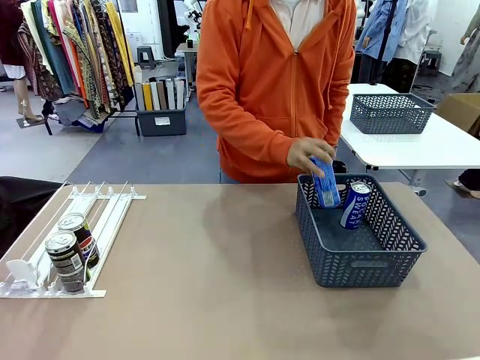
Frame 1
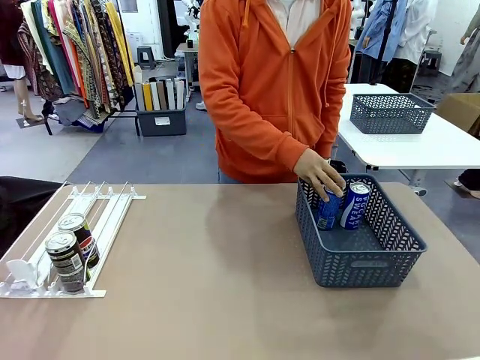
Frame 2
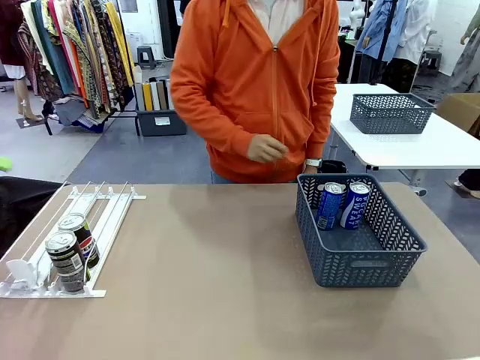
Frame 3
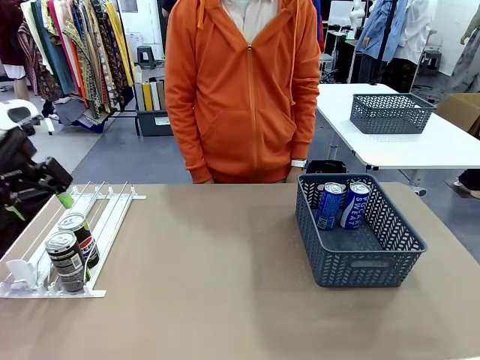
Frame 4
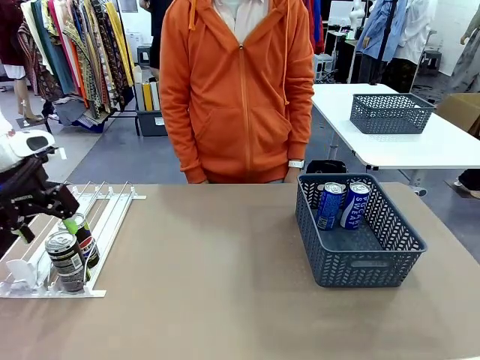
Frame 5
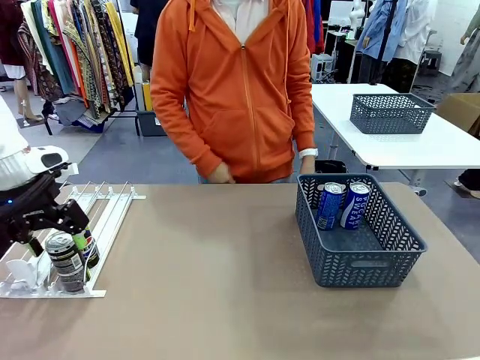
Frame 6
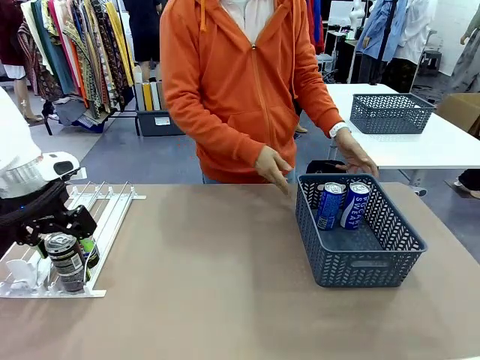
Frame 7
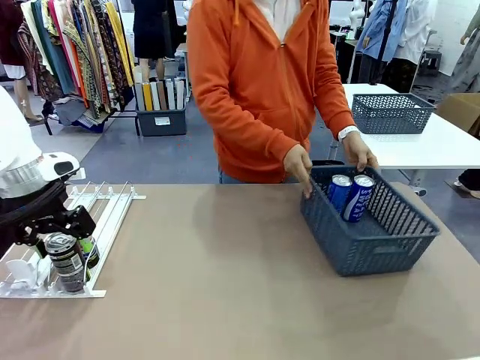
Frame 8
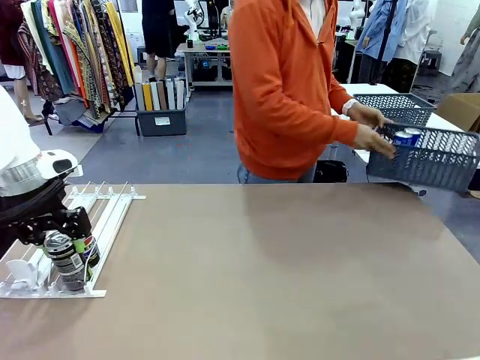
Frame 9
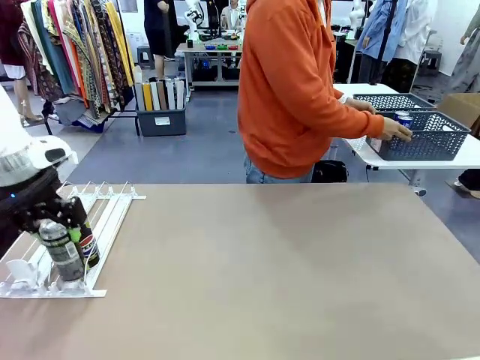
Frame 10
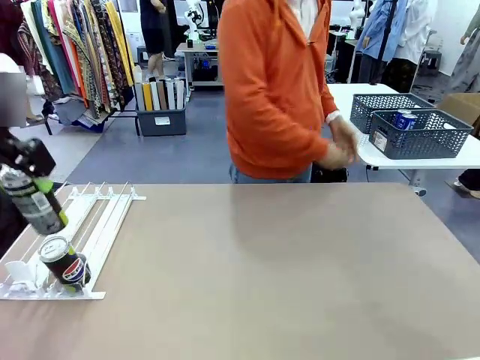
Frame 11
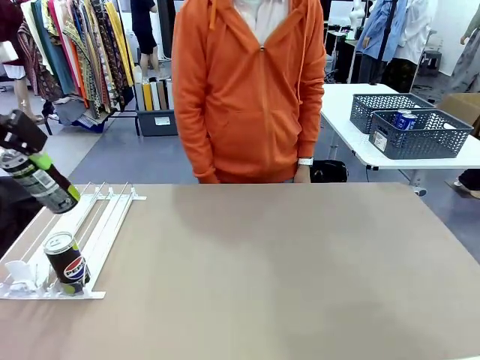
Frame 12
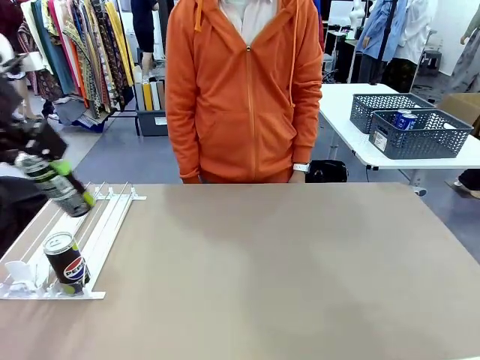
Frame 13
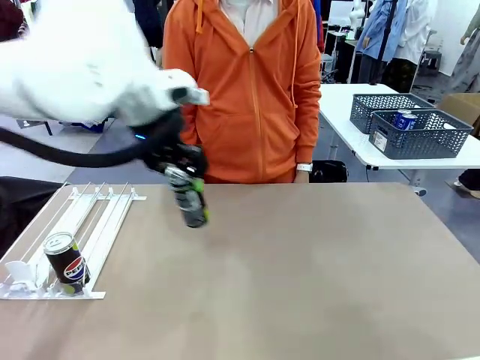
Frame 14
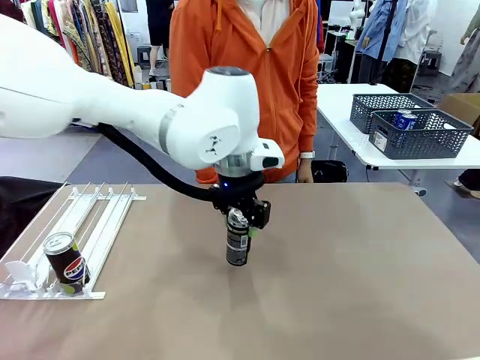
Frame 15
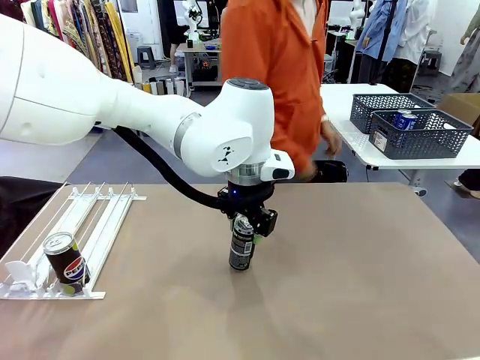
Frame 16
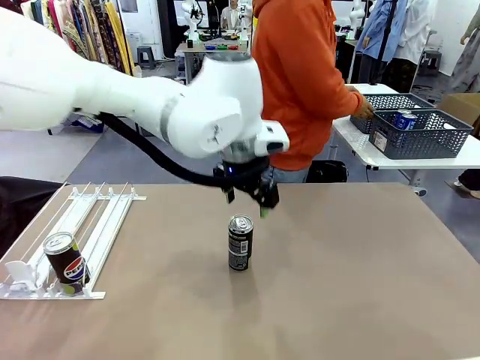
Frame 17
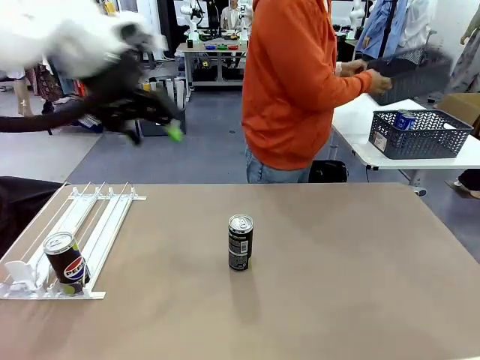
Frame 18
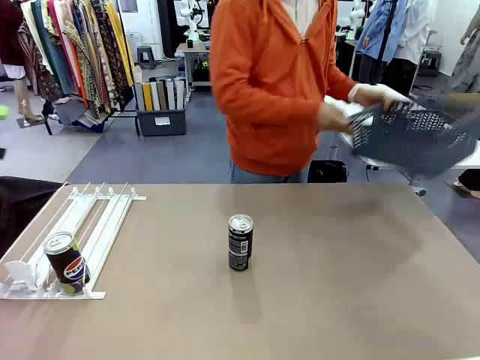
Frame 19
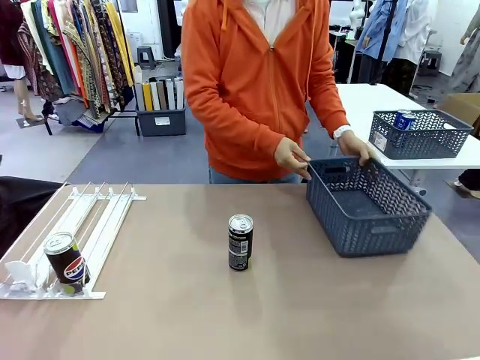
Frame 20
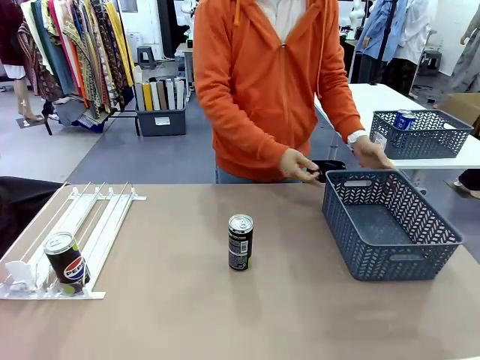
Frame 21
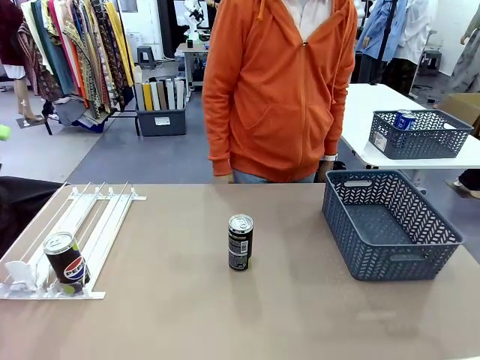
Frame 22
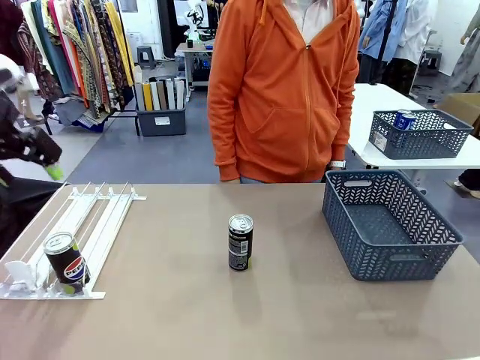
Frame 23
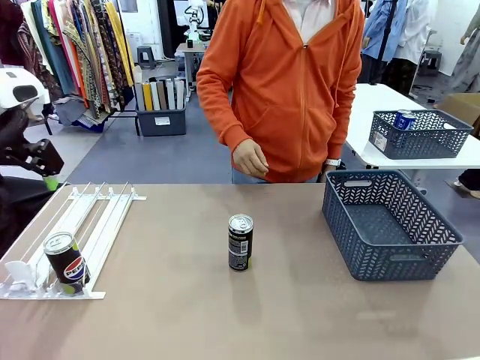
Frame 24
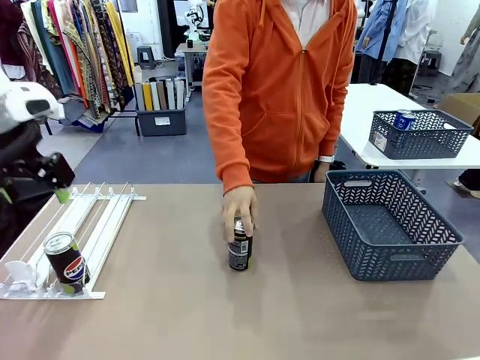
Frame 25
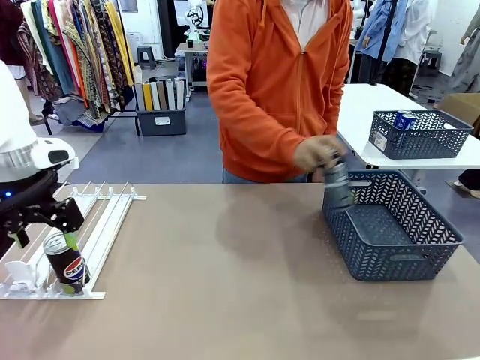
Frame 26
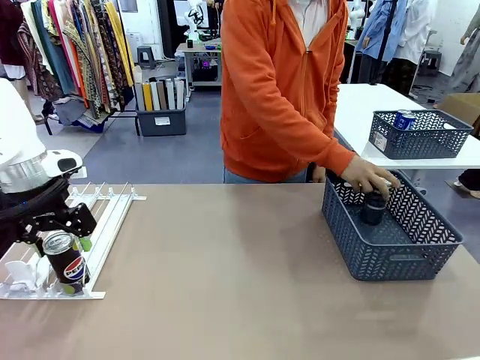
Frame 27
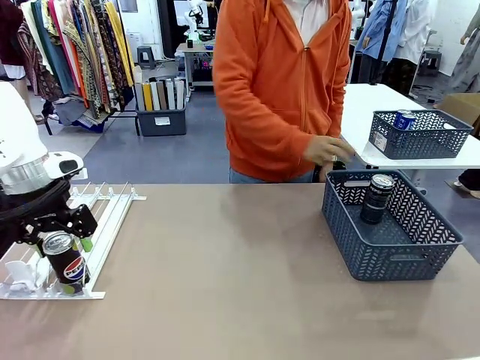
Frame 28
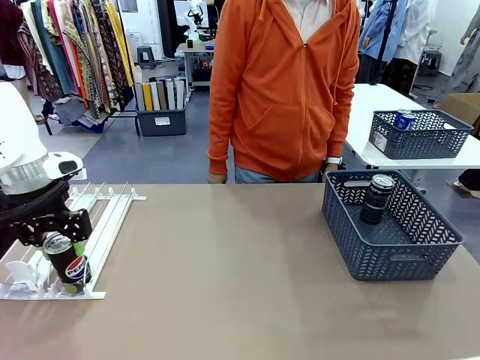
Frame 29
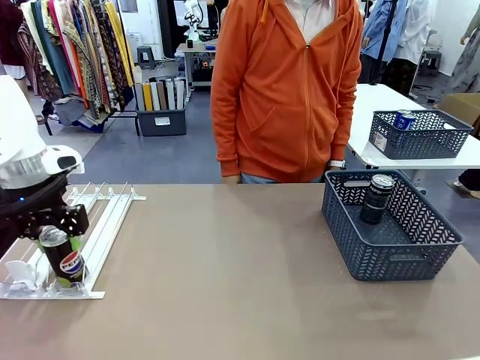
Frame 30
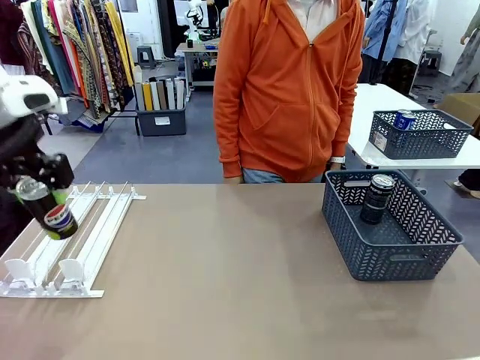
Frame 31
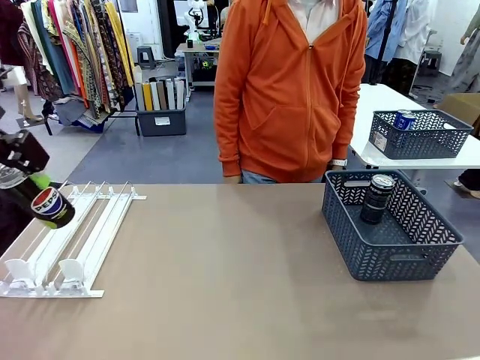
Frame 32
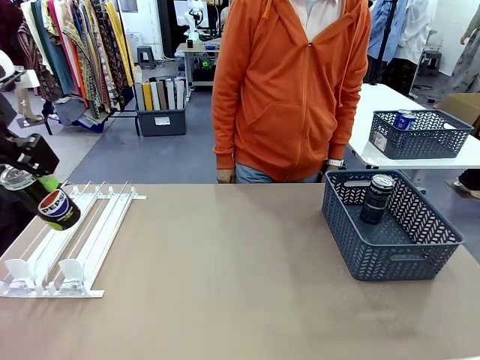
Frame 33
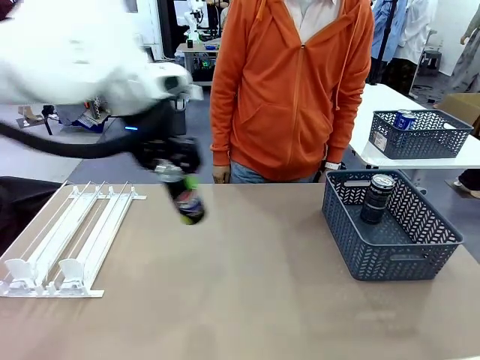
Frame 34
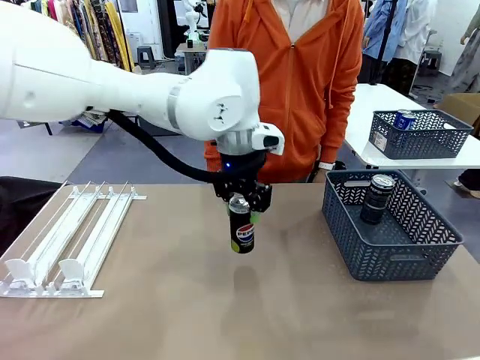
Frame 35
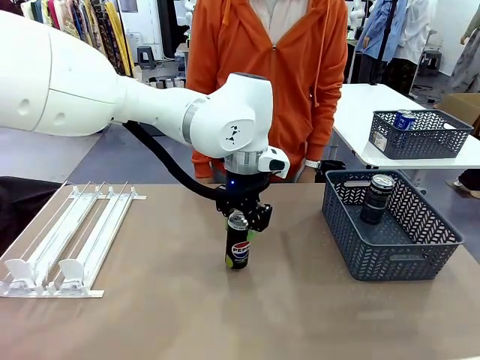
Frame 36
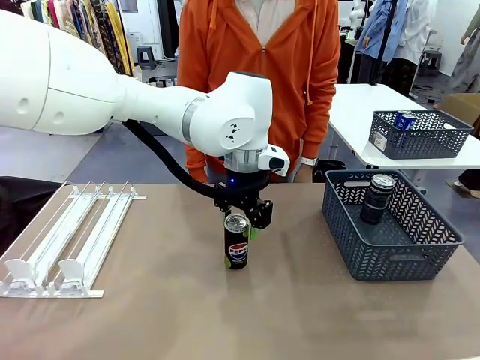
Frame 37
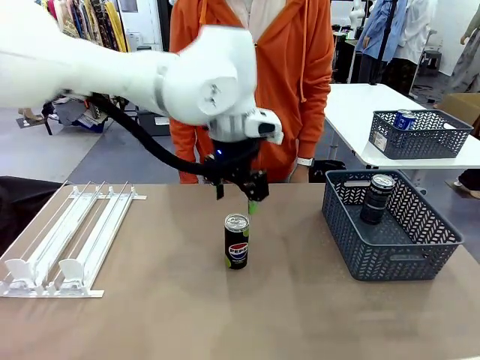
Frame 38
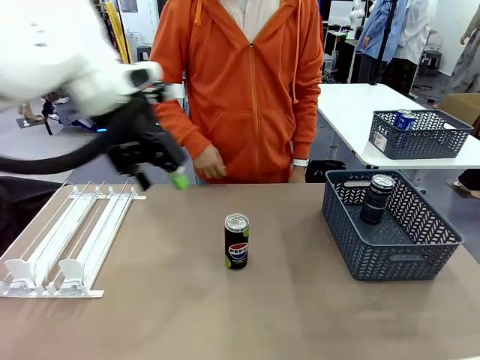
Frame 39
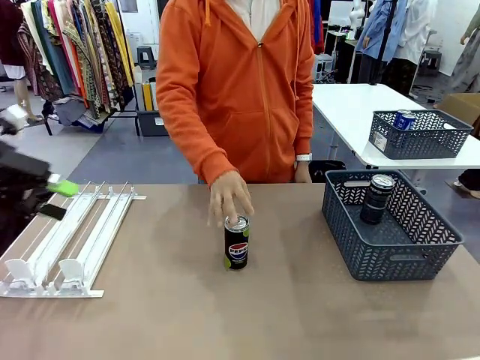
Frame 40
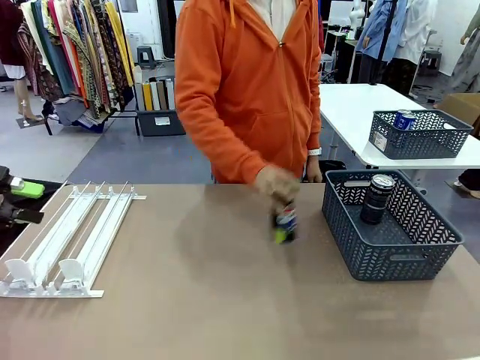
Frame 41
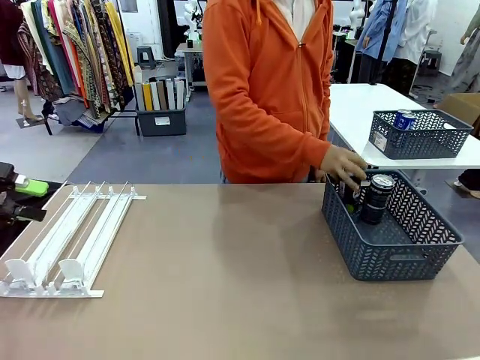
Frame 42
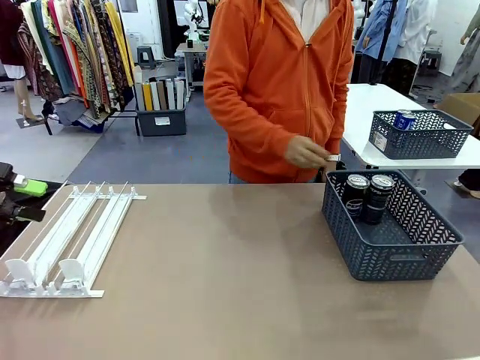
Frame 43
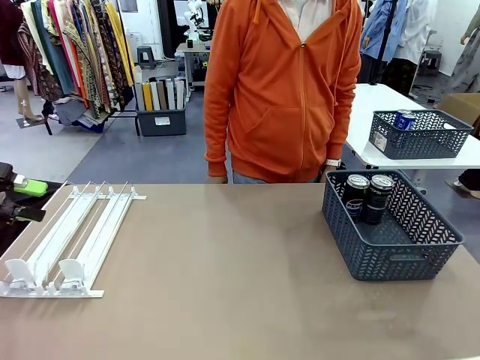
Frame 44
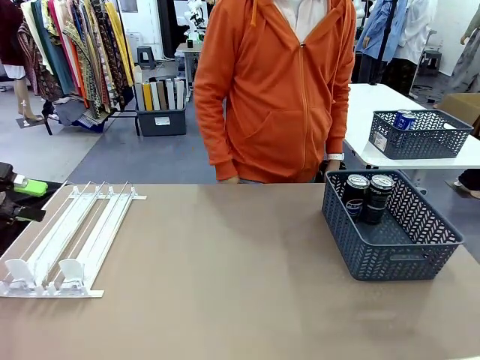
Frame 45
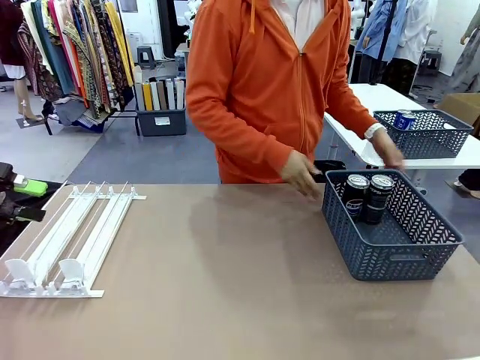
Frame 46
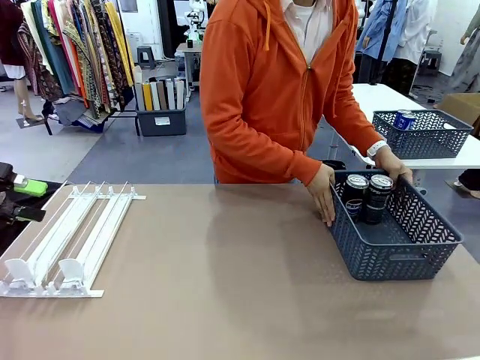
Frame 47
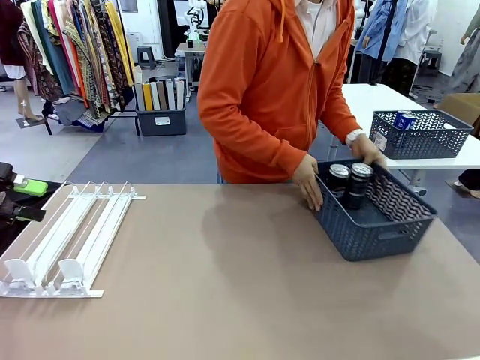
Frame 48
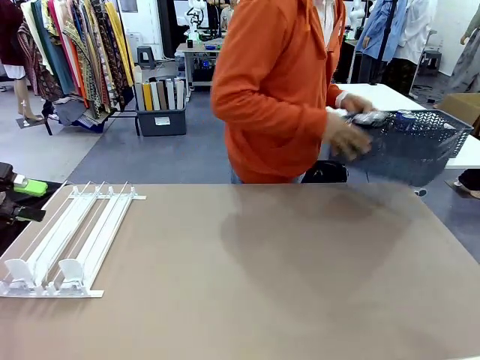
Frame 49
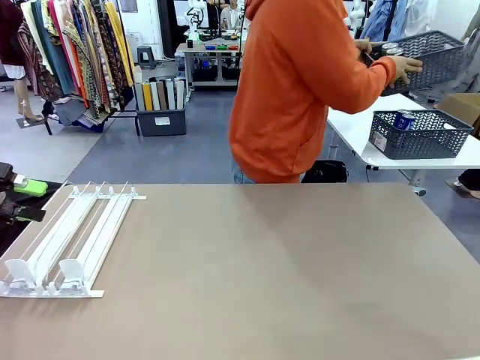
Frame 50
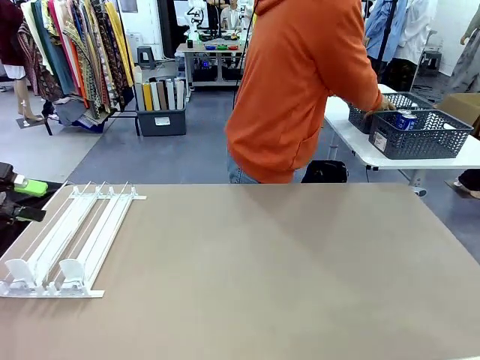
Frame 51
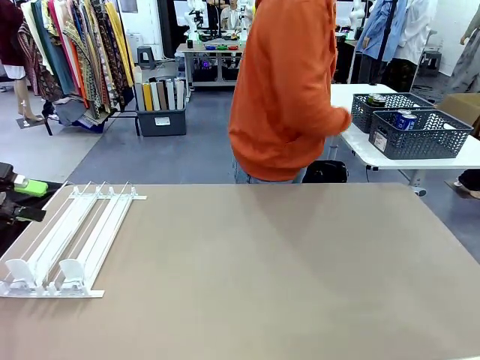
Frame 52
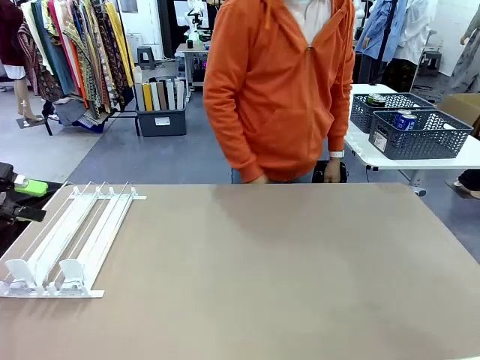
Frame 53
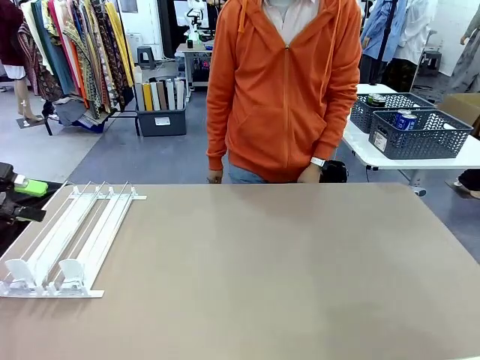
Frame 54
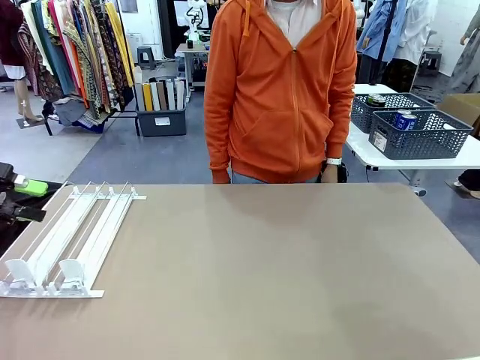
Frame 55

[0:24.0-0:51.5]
Task: Retrieve and store the cans from the dispenser.
Robot: Pick up one can from the Automatic Can Dispenser and place it in the middle of the table.
Person: Pick up the basket and place it in the middle of the human table. Pick up the empty basket and place it on the left side of the robot table. Pick up one sports drink can from the middle of the robot table and place it in the basket. Pick up the basket and place it in the middle of the human table.
